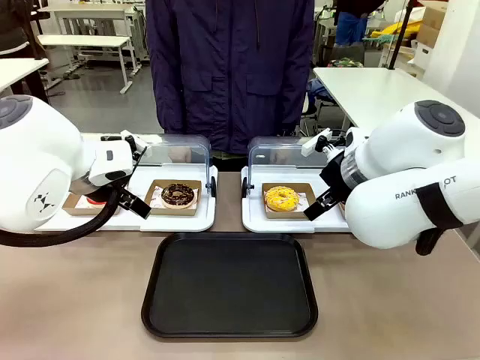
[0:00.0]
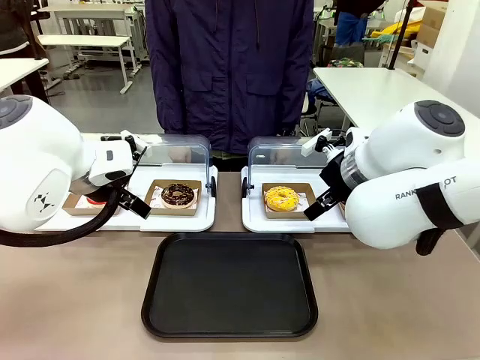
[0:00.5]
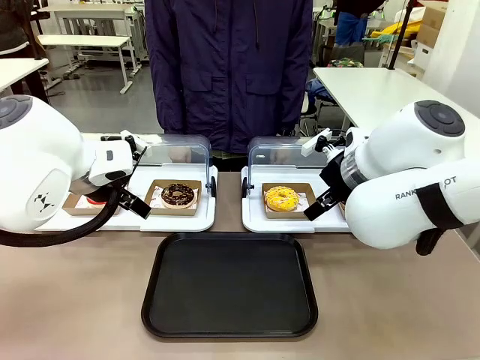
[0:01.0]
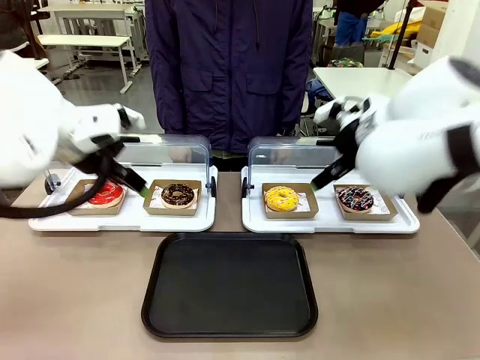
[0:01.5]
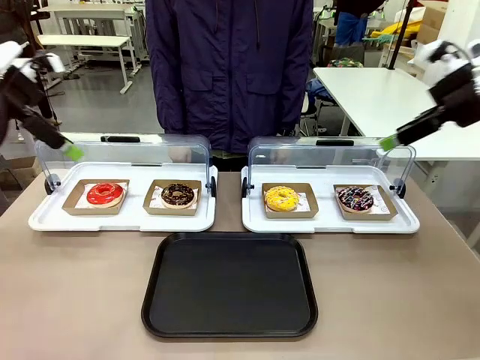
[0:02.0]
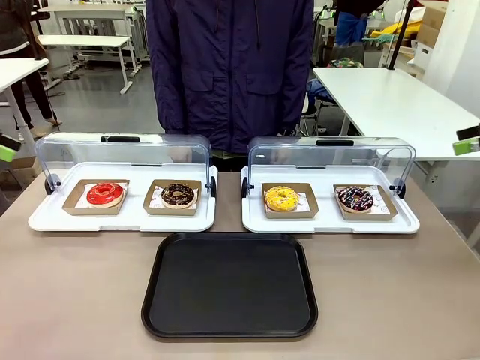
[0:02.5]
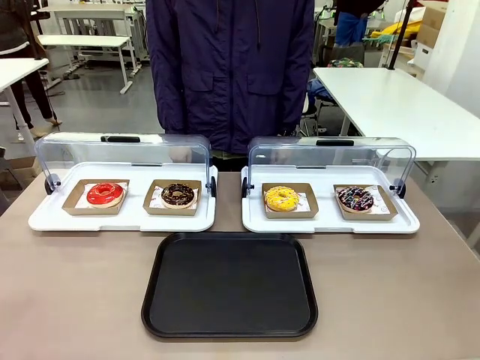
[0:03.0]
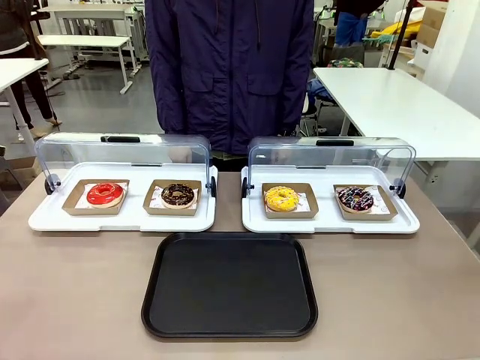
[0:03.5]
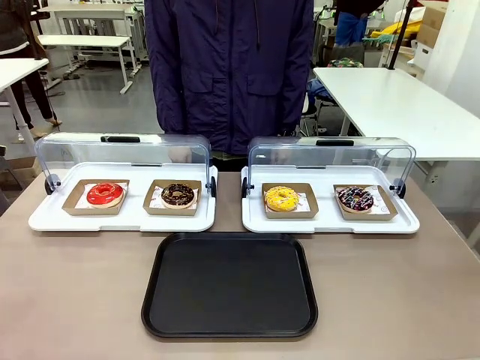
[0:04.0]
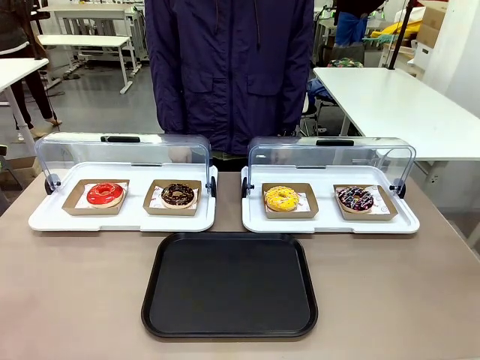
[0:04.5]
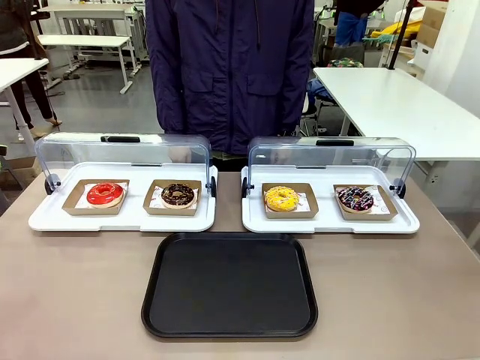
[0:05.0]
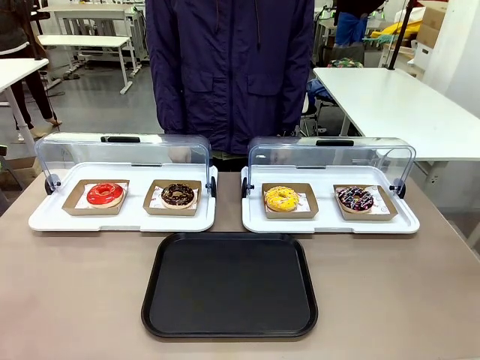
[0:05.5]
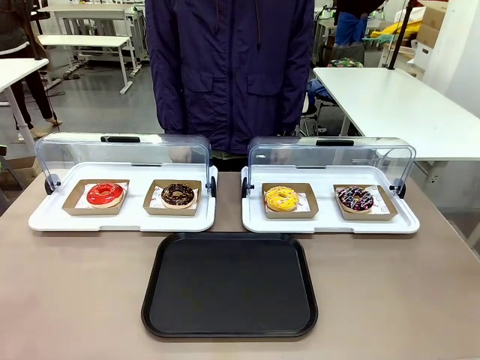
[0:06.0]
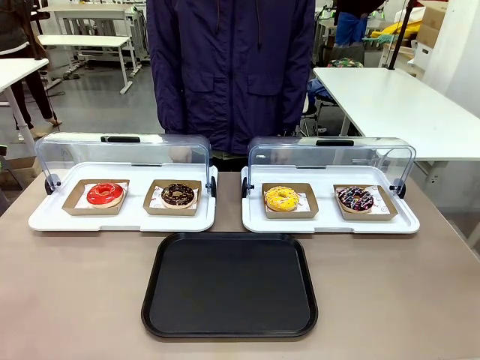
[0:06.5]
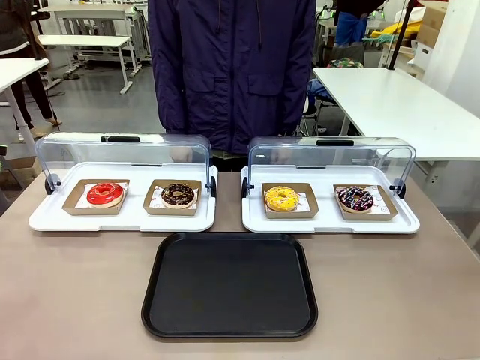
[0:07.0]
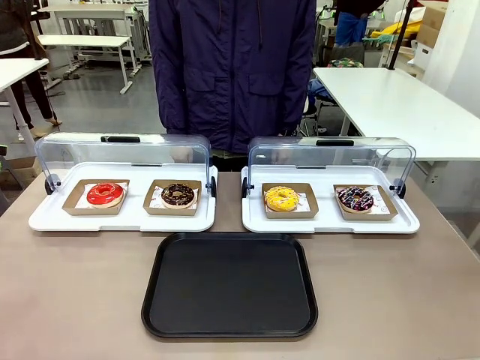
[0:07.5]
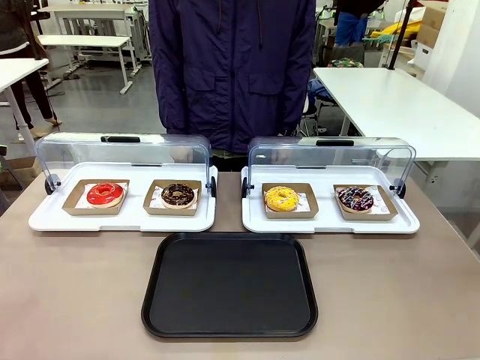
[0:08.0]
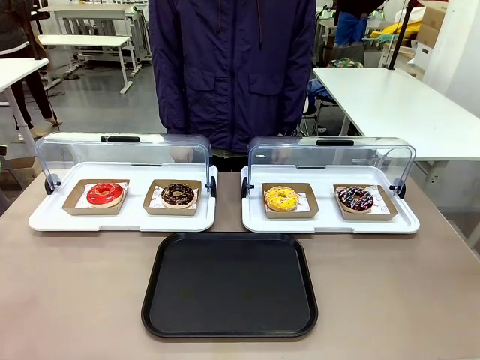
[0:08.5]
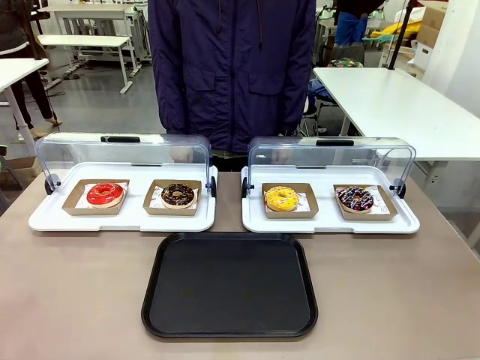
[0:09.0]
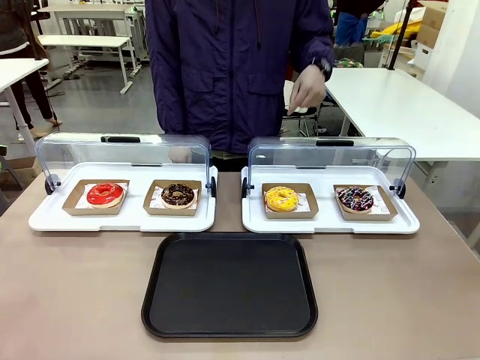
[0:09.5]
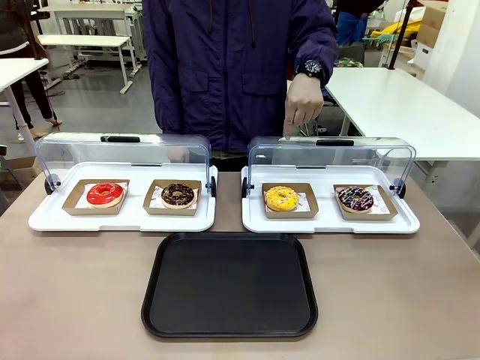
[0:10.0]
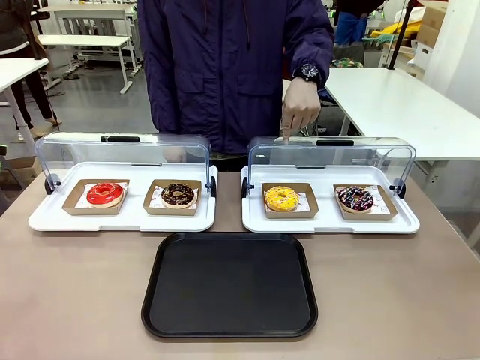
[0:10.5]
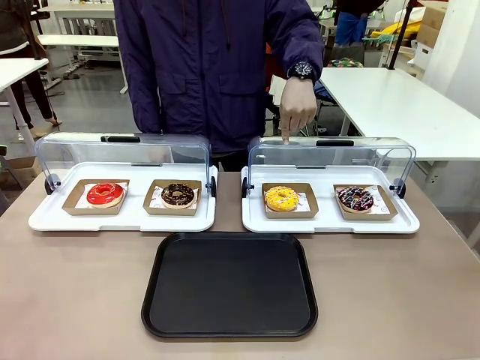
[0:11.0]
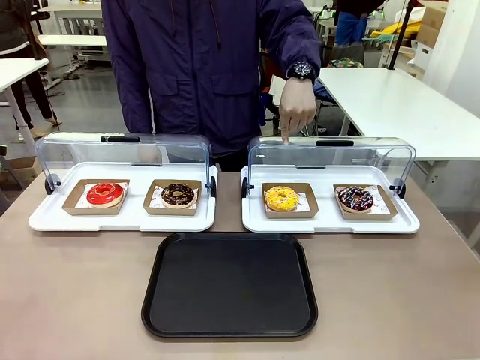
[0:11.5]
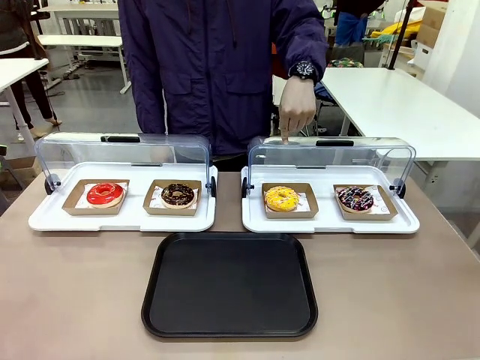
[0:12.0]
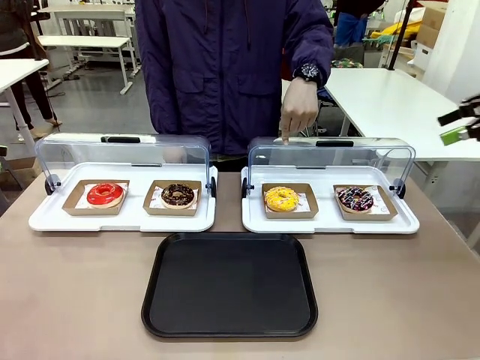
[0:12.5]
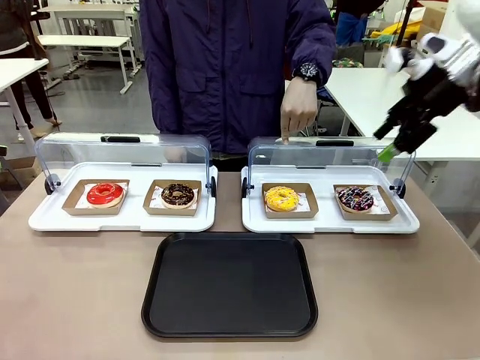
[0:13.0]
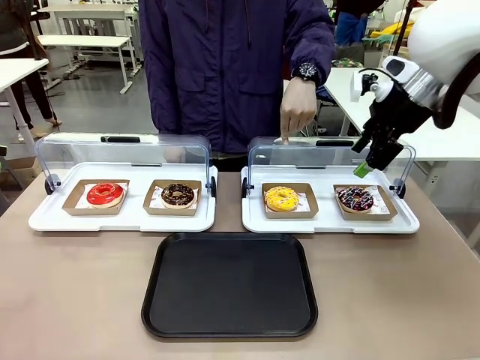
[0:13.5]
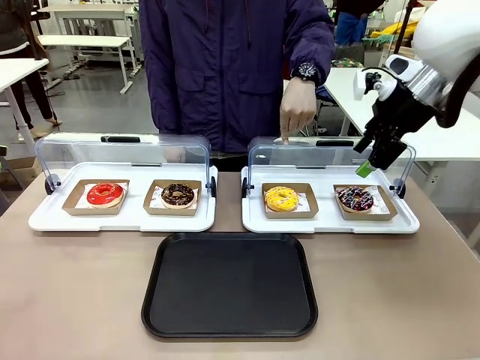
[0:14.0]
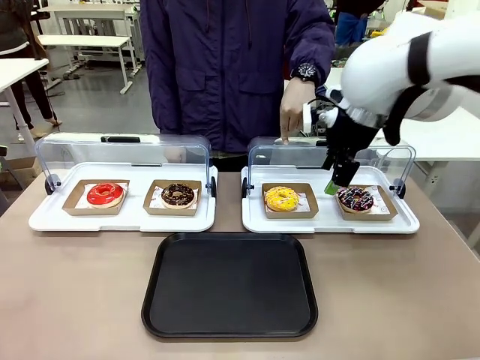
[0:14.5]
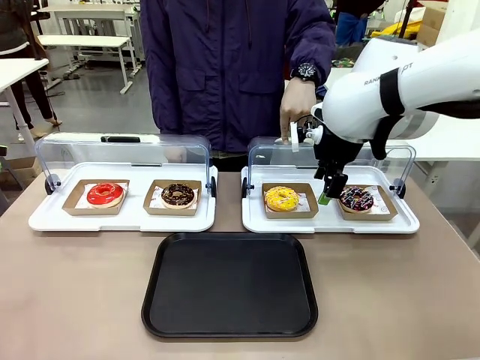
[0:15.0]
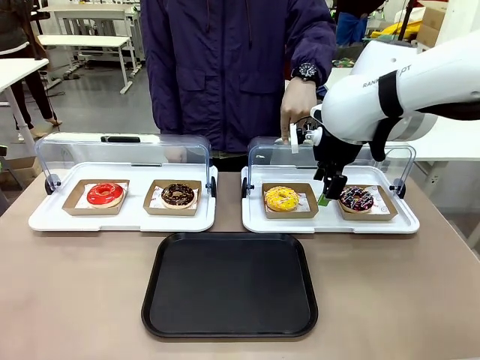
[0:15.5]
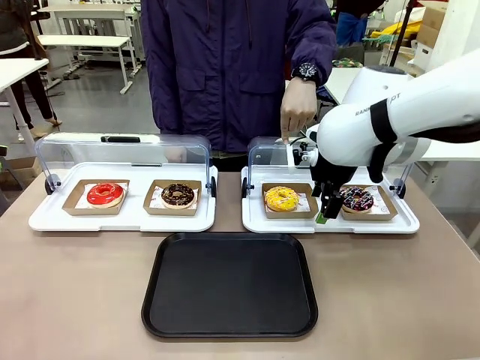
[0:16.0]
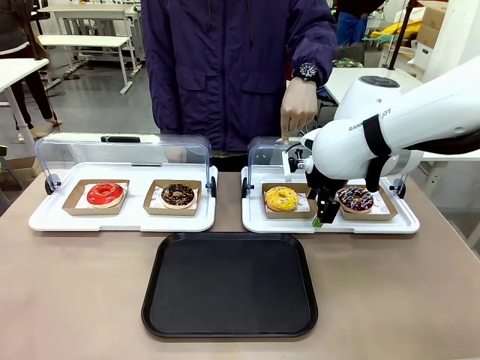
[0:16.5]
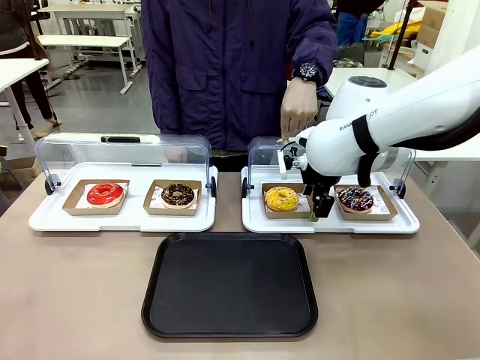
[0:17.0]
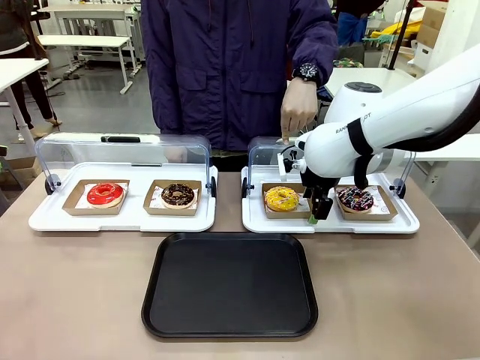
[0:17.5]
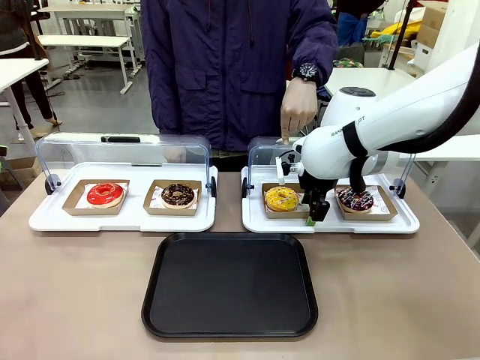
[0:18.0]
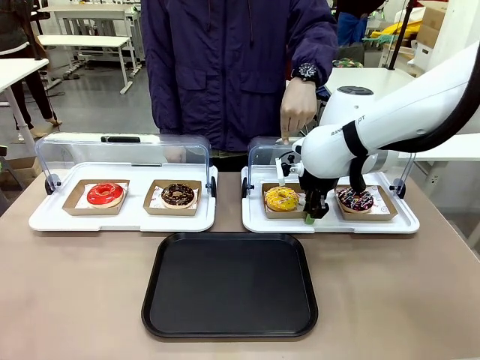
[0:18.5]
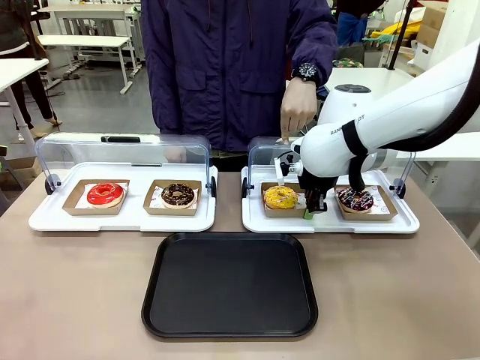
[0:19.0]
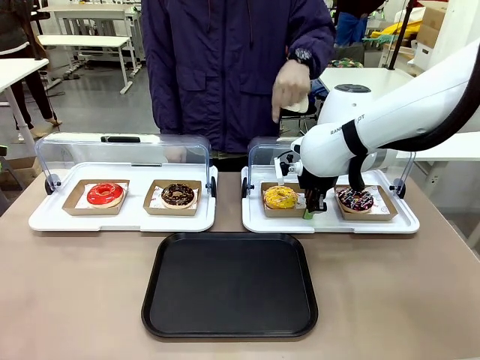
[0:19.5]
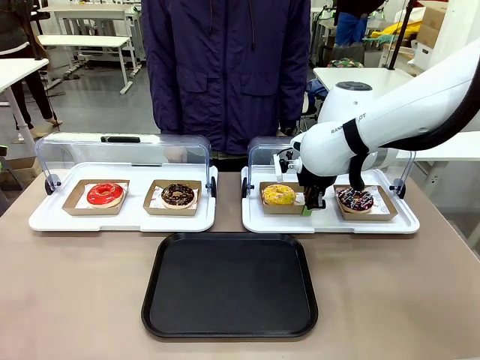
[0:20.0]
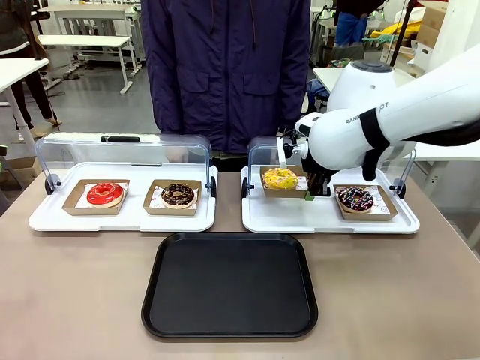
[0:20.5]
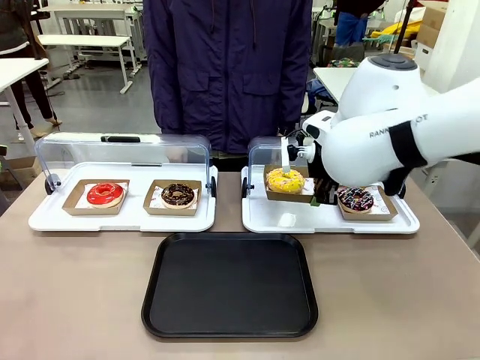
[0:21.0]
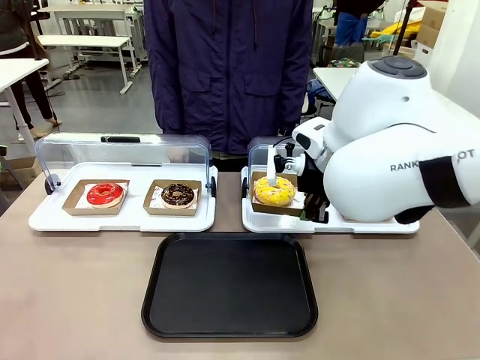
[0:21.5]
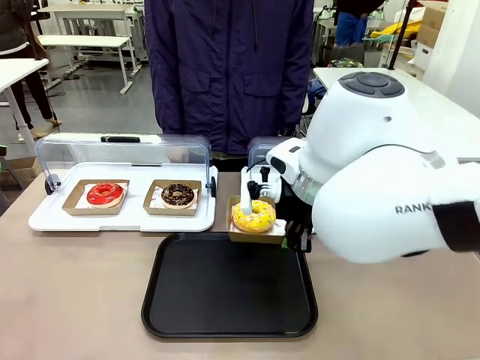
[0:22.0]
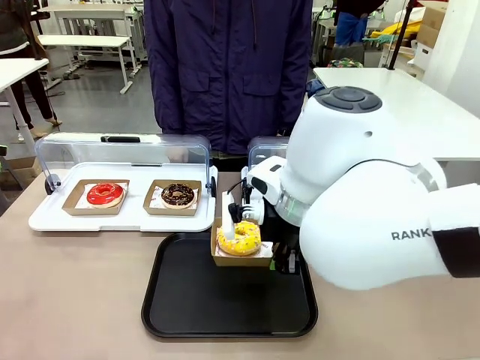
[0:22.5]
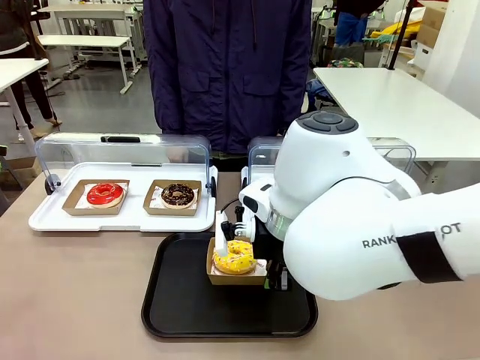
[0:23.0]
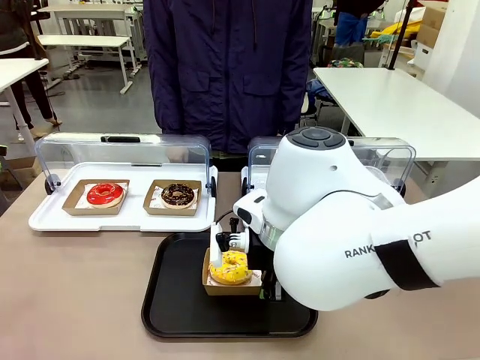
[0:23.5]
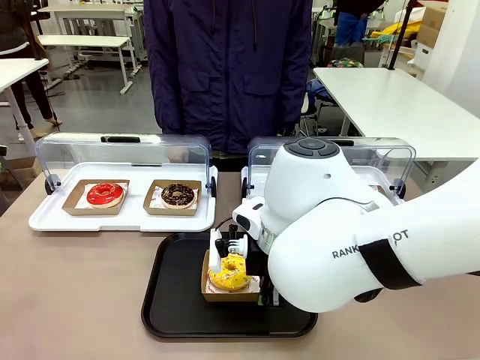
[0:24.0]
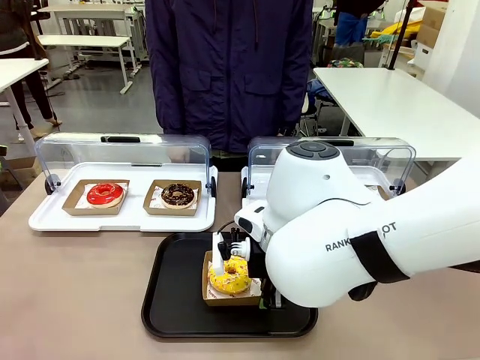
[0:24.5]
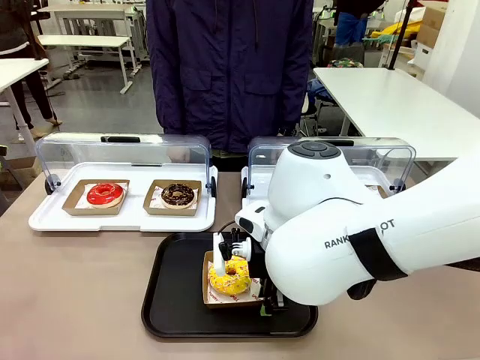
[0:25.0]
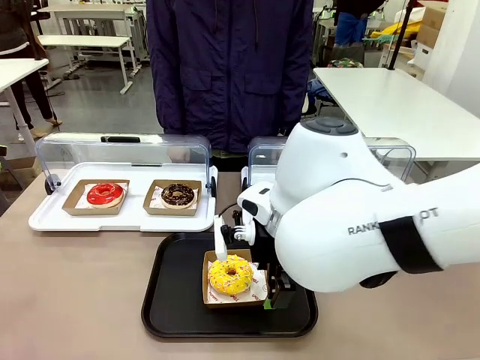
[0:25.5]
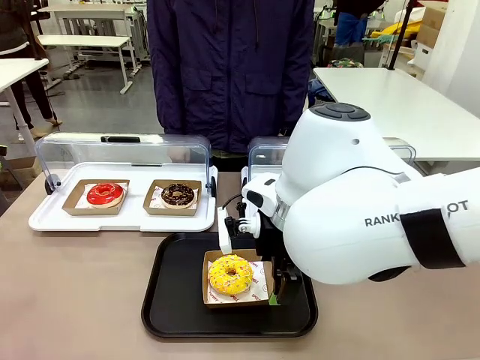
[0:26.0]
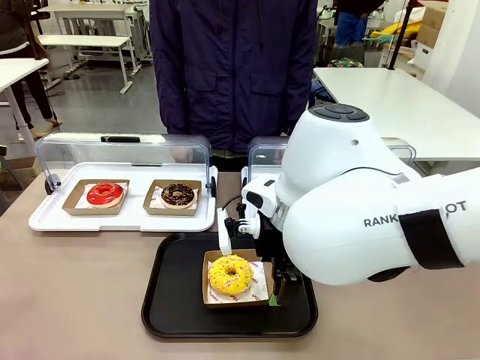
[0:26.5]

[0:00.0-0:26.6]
Task: Move the third donut from the left to the tray.
Robot: Pick up the Paper togo box containing the Donut indicated by the person and place it on the Handle tray.
Person: Points to the third donut from the left from the robot’s perspective.
